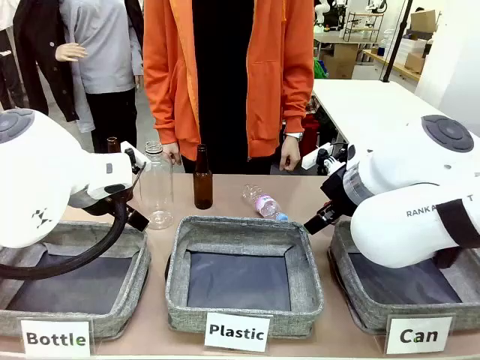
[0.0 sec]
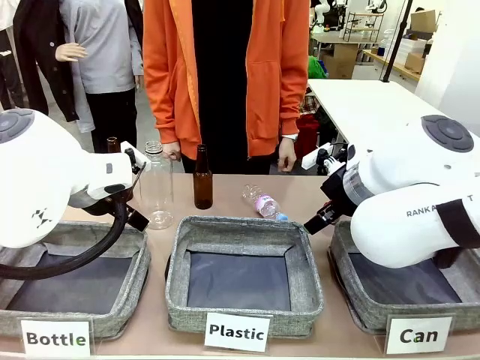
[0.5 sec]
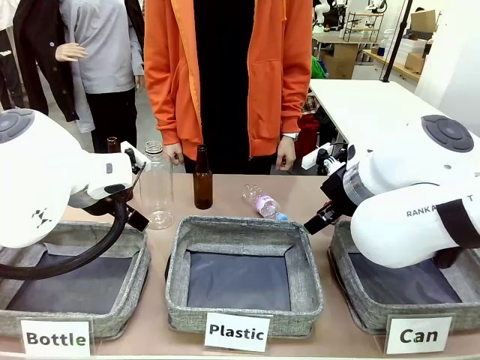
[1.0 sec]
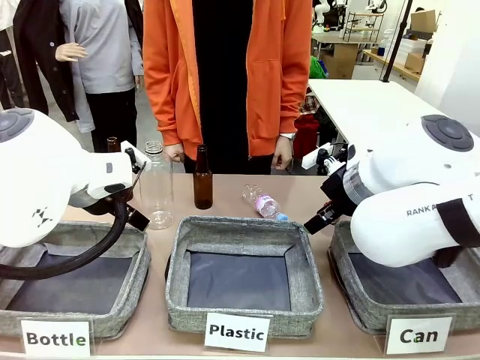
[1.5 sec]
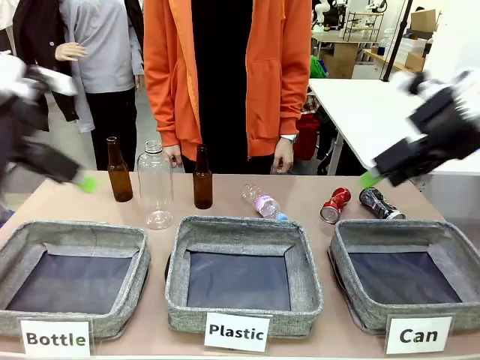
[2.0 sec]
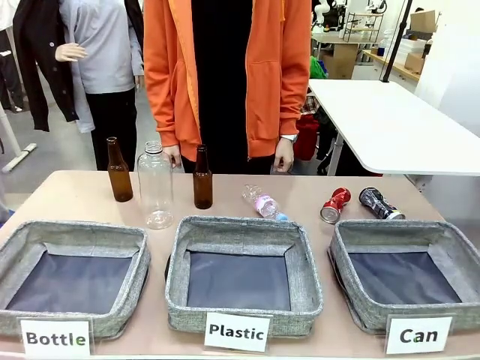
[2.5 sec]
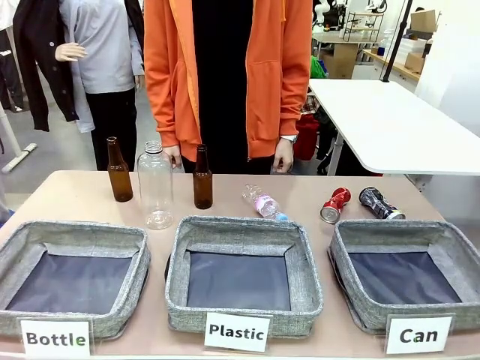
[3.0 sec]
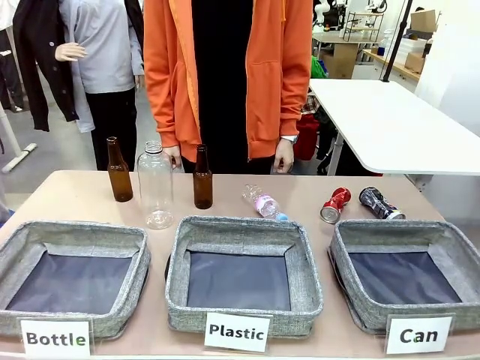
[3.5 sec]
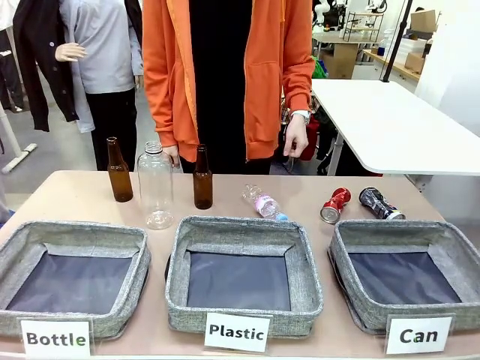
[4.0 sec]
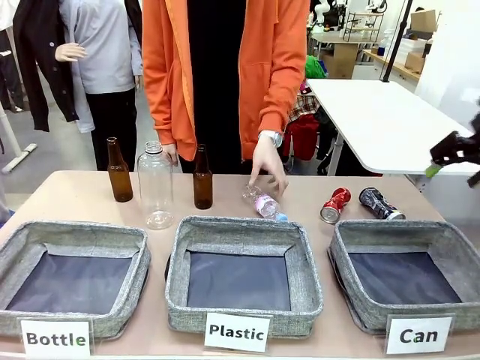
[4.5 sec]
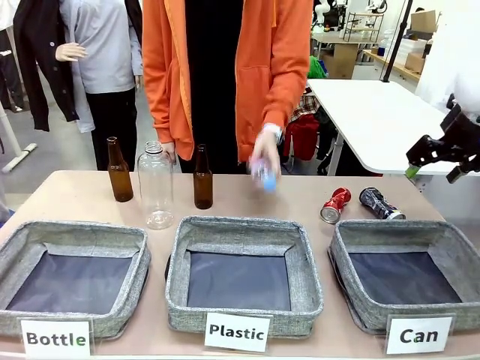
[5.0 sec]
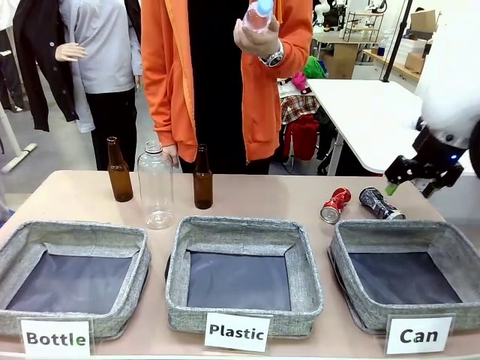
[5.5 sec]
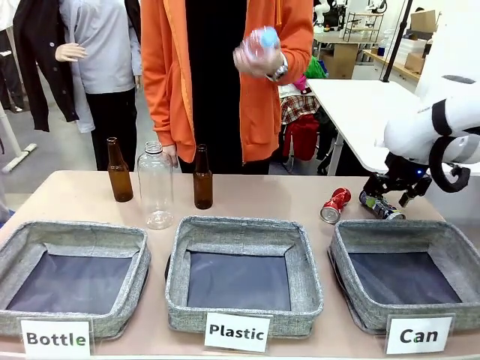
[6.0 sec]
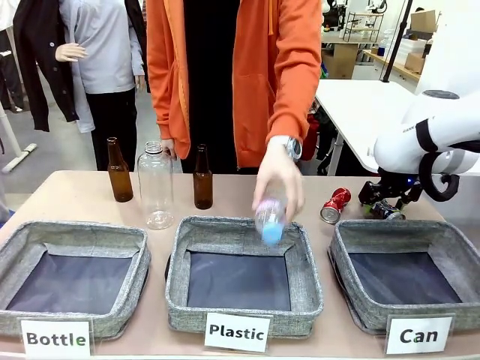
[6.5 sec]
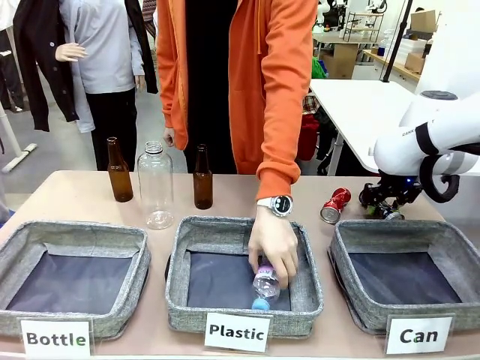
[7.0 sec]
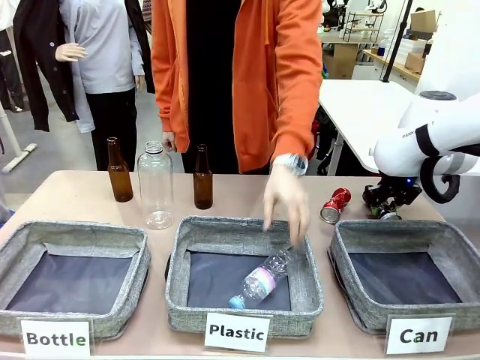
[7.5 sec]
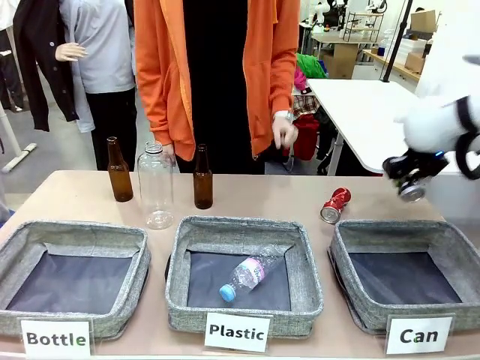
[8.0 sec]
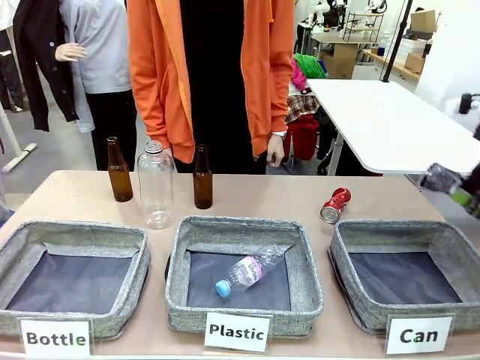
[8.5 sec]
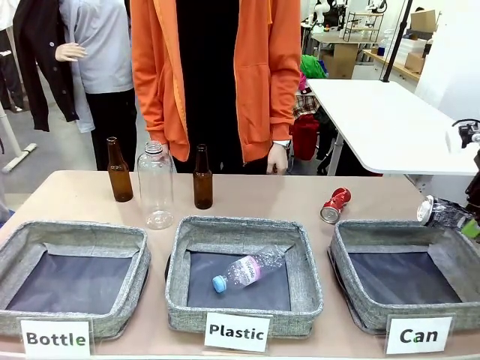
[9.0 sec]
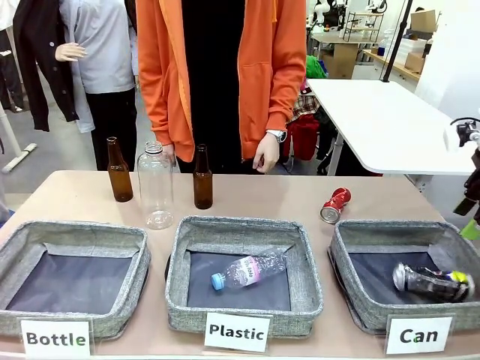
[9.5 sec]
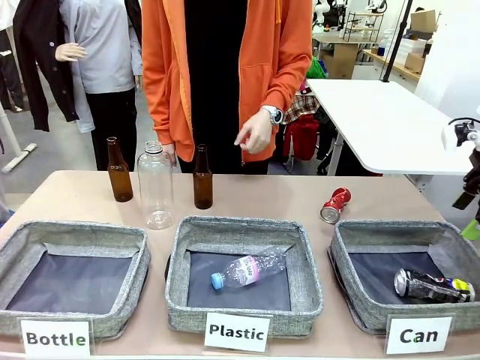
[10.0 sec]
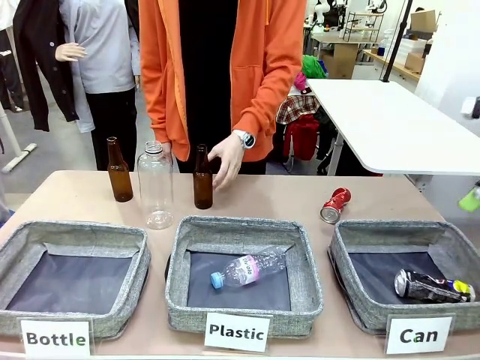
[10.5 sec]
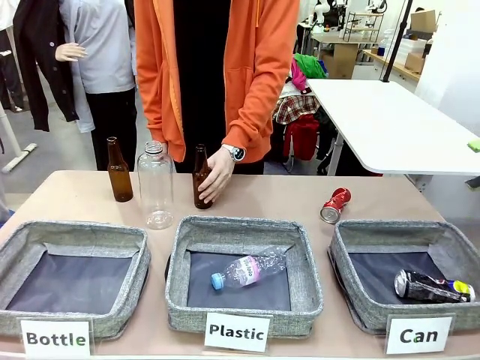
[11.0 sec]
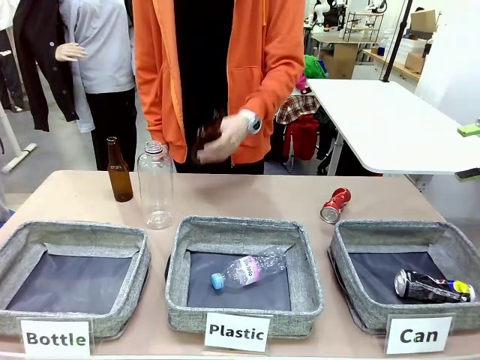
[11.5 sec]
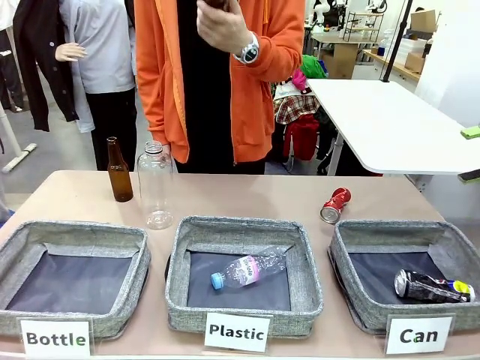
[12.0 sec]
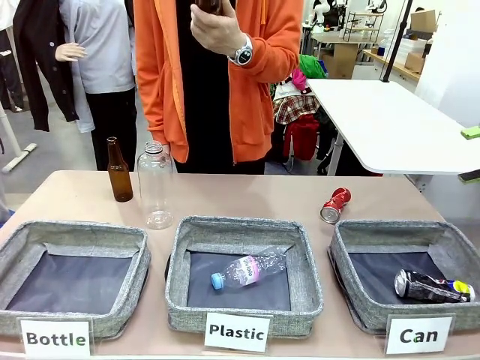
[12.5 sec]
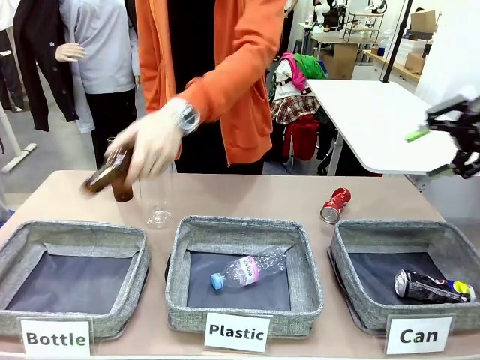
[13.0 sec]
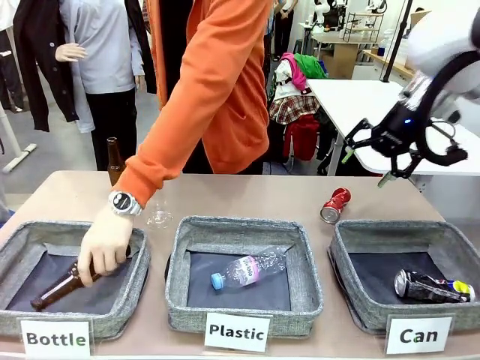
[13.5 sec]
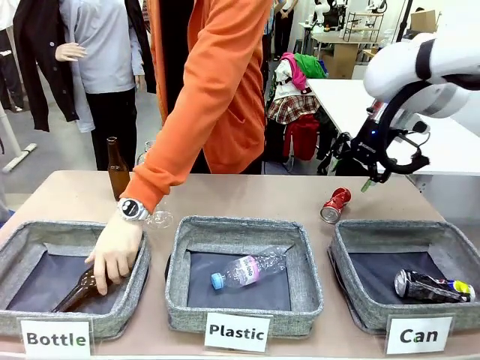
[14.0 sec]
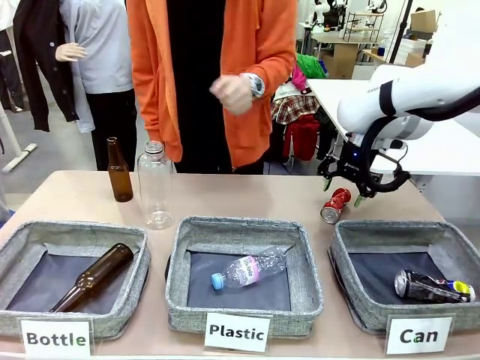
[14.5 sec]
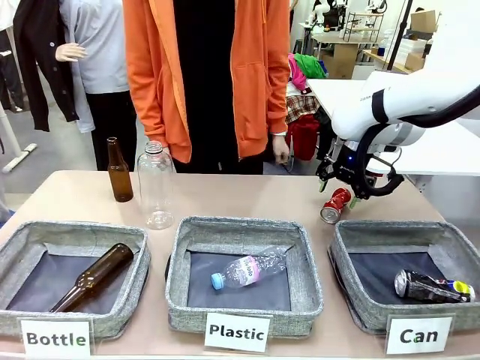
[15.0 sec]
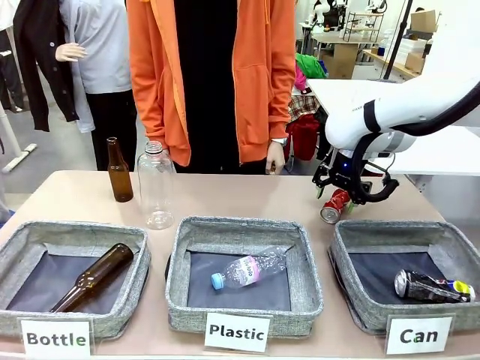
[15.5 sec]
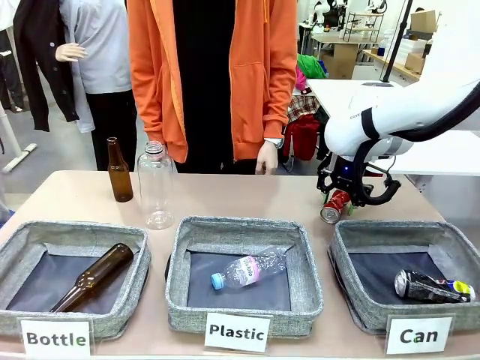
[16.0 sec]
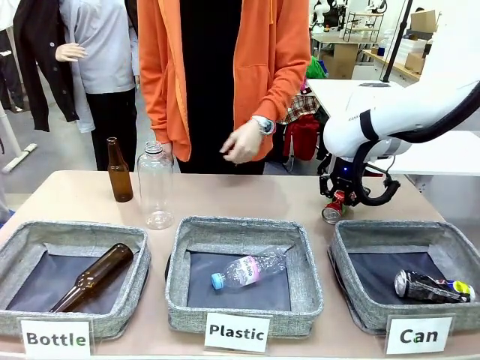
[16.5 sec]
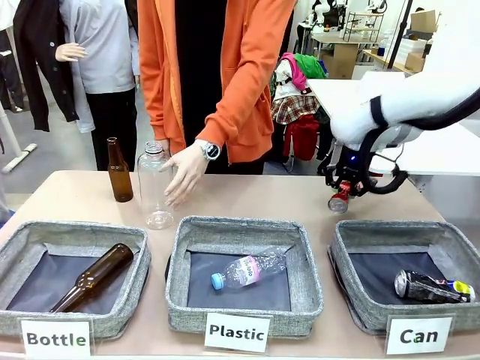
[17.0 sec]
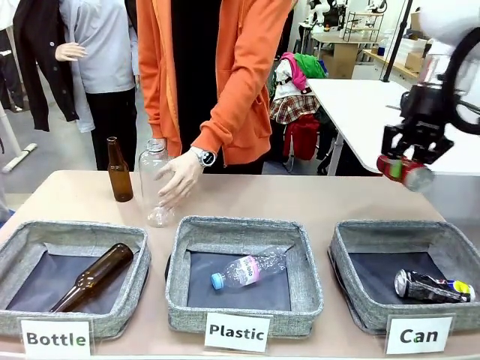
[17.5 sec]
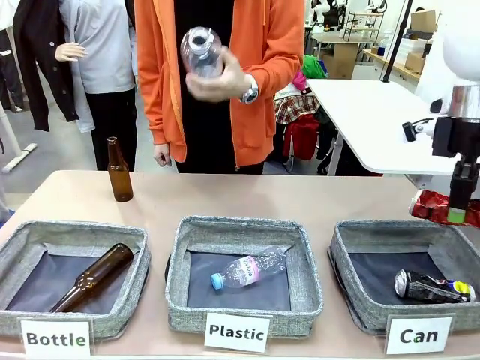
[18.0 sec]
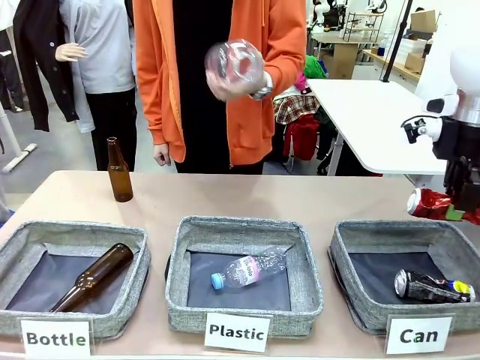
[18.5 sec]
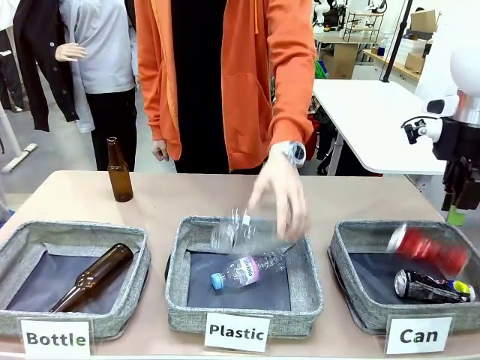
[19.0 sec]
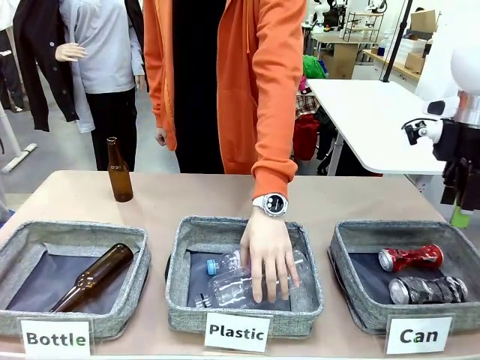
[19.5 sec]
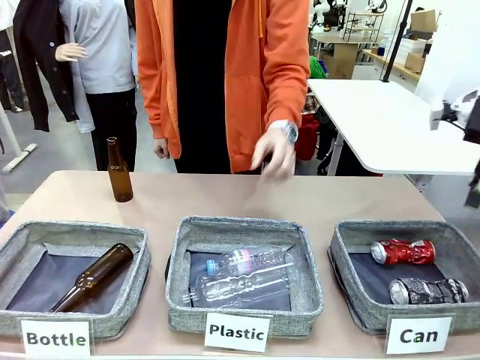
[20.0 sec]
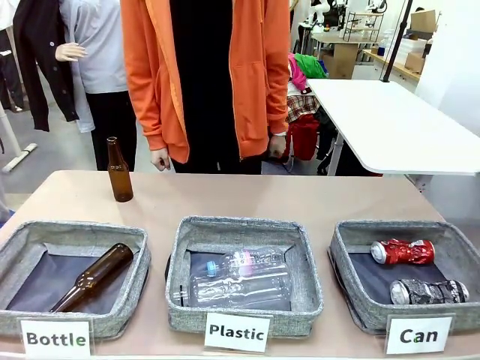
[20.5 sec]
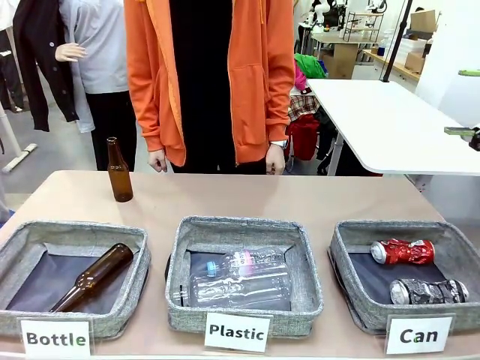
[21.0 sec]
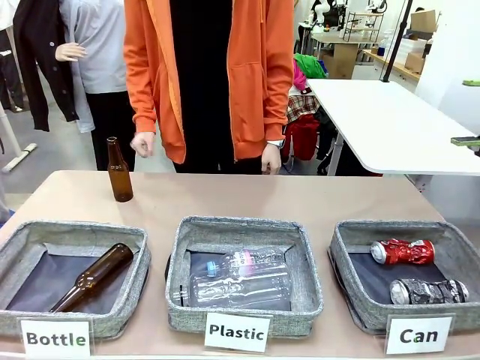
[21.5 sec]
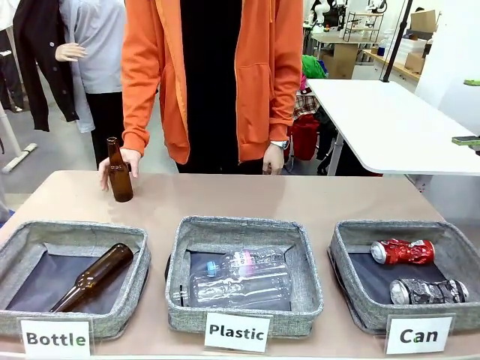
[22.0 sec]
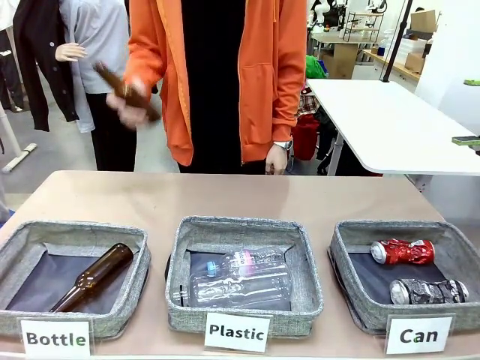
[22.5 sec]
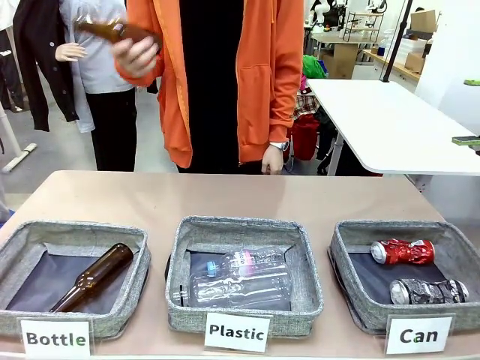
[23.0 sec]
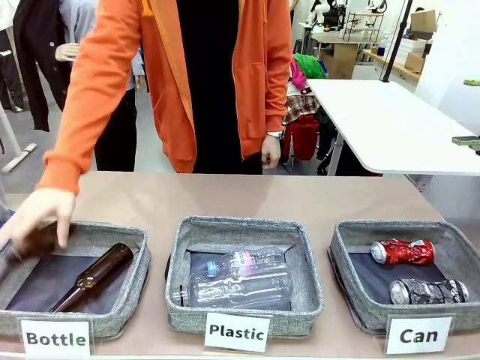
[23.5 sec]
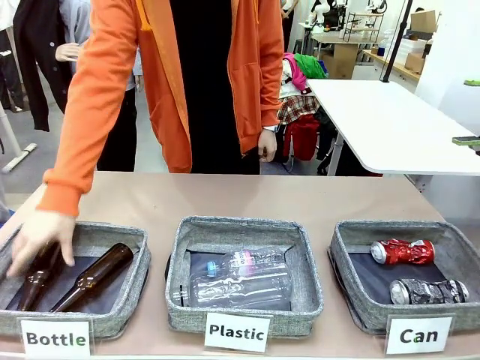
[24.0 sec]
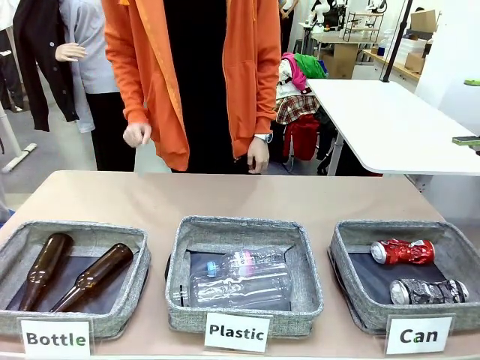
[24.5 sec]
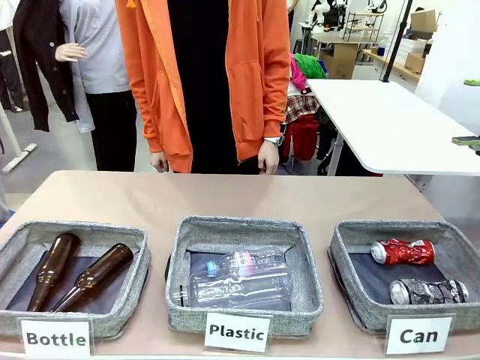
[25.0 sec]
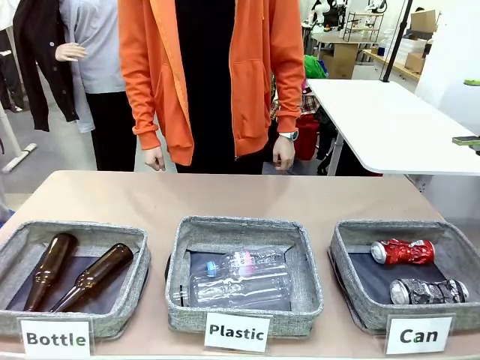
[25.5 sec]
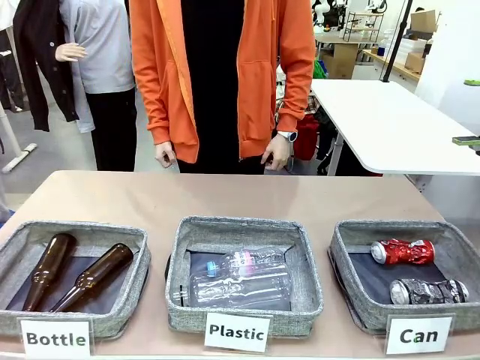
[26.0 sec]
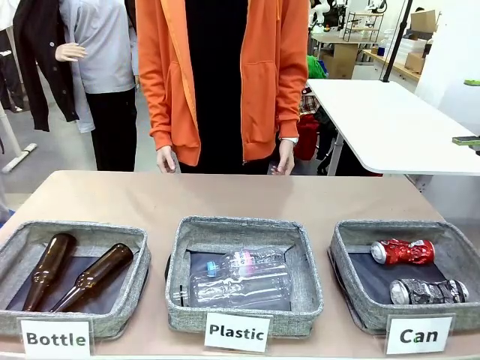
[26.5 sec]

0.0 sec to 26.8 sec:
Task: Sort the can waste into the basket.
Robot: Pick up the can waste from the table and place it in the right Fabric basket.
Person: The human picks up one piece of trash that is not a can and places the trash into the appropriate organizing basket.
